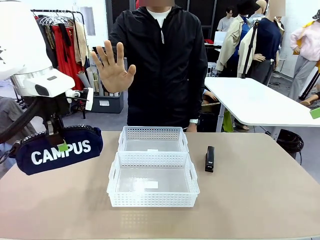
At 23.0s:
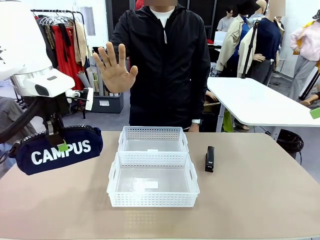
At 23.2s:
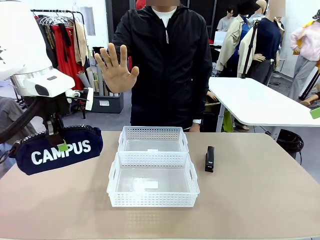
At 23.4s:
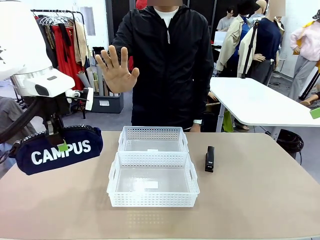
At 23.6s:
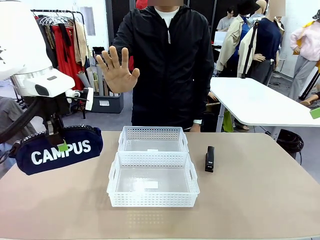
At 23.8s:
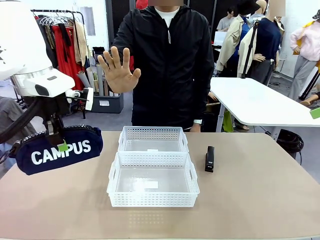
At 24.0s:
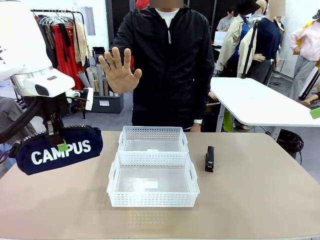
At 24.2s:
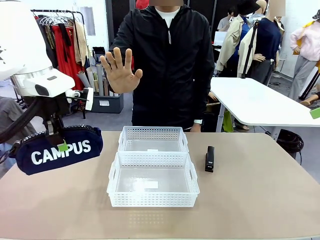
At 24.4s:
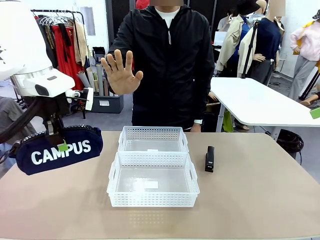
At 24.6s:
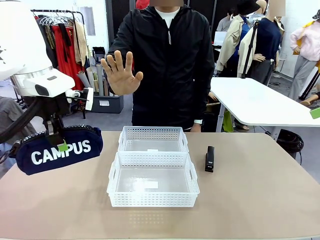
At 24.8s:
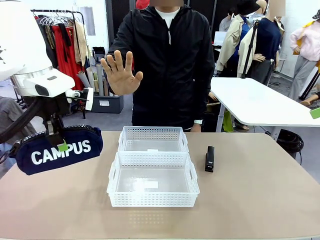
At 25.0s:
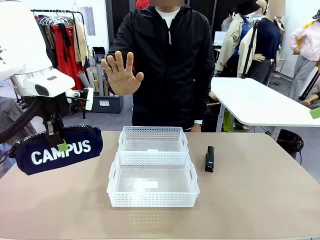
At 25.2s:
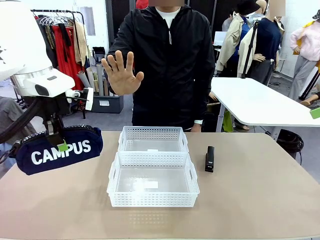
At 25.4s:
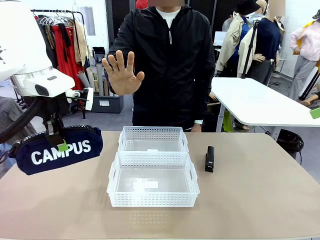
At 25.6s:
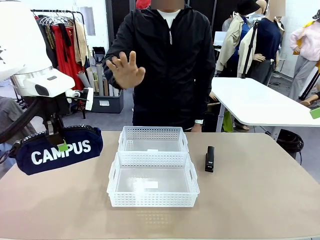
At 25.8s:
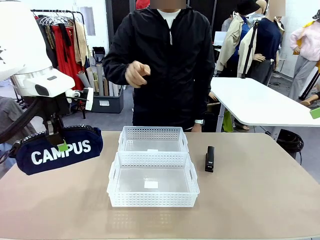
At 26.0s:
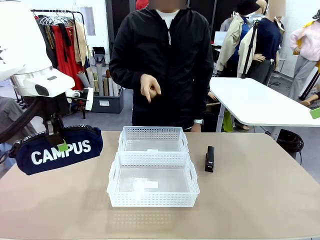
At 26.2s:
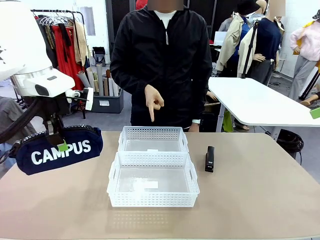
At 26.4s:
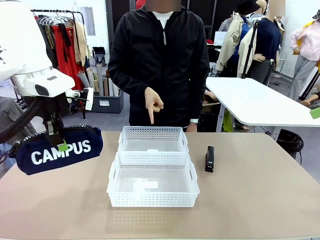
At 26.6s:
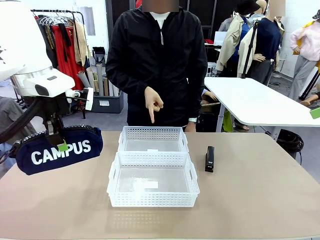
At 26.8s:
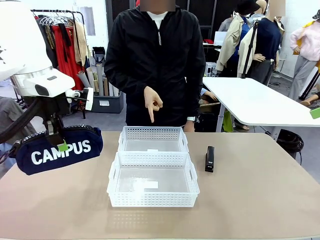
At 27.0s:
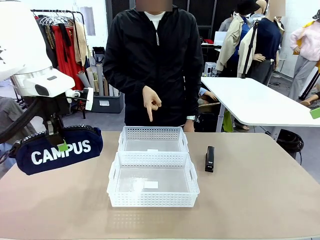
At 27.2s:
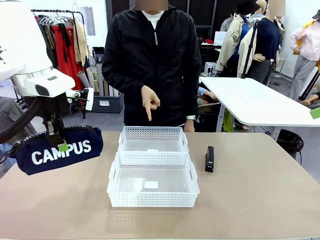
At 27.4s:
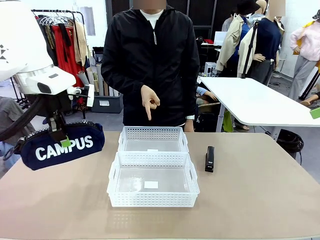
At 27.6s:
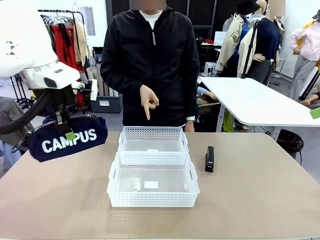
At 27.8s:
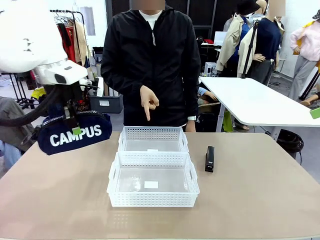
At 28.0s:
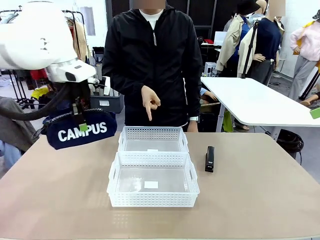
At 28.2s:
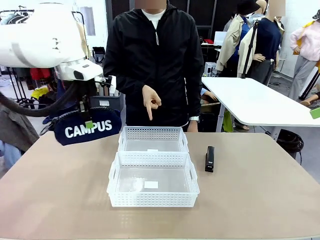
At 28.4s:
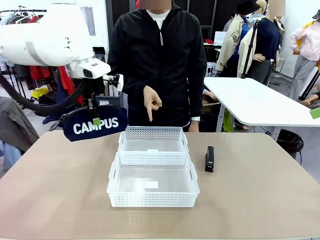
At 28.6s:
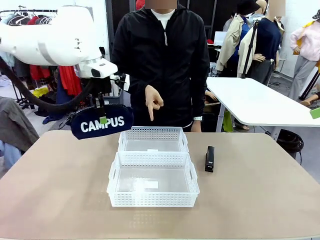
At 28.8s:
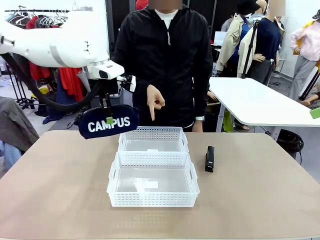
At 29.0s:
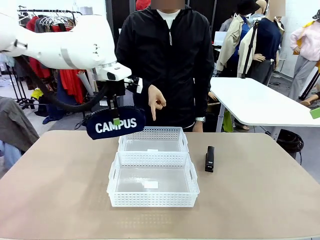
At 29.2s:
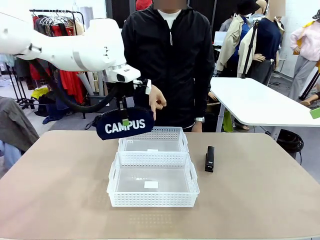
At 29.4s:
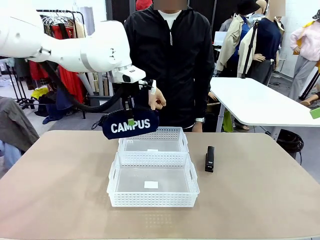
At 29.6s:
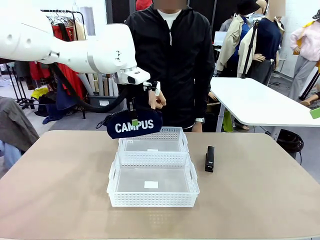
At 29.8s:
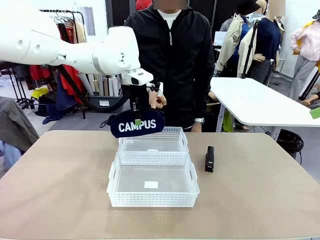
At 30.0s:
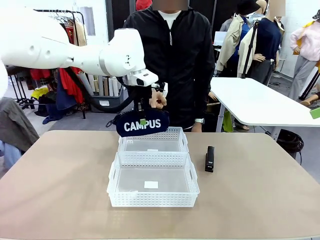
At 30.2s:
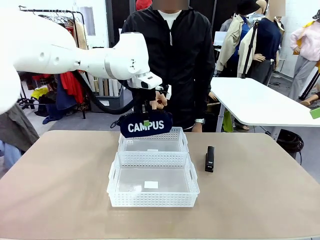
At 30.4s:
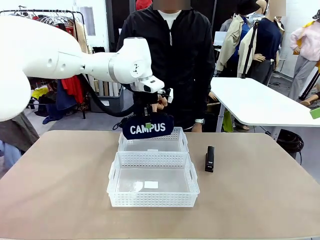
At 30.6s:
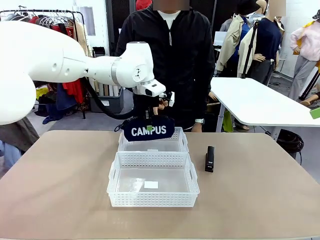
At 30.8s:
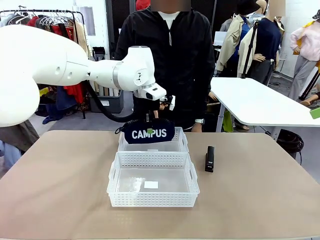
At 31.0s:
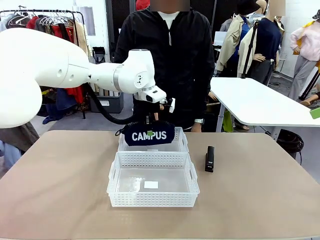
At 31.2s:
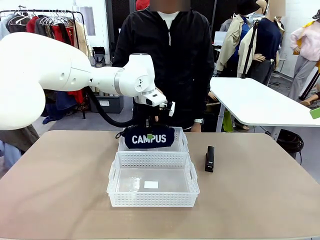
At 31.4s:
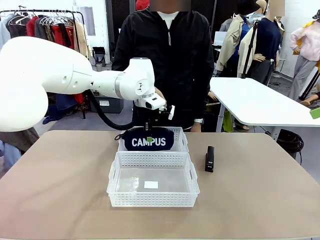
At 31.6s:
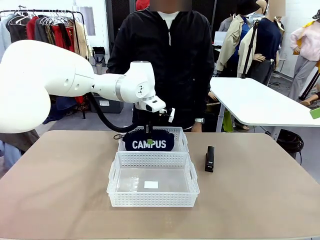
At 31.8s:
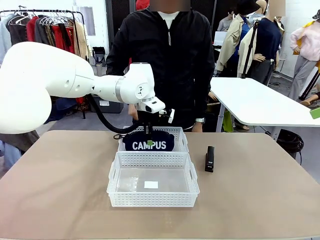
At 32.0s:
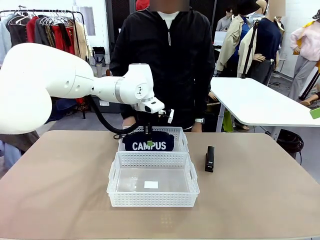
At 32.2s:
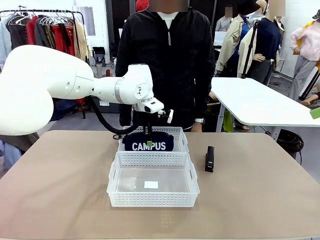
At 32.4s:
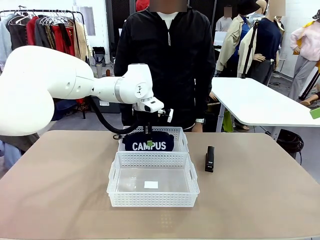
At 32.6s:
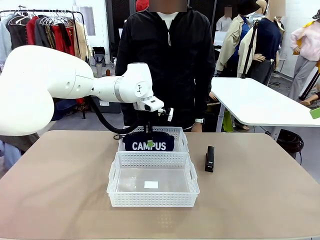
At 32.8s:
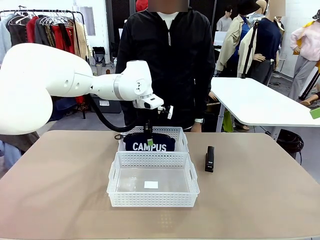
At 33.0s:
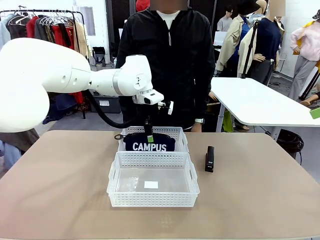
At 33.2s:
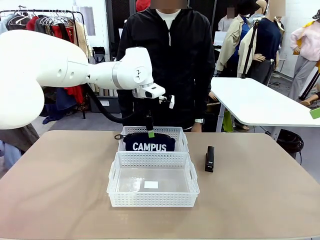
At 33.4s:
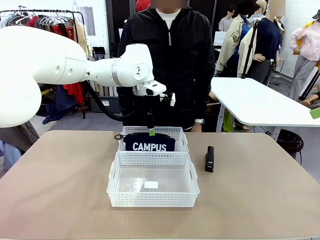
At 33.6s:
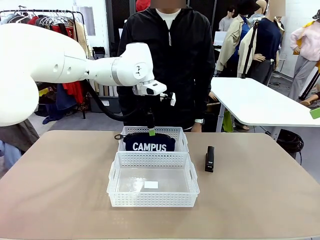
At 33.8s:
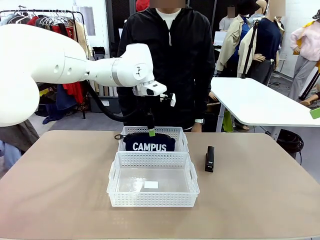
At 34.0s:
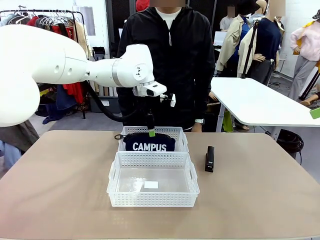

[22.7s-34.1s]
Task: Distribute items into two baskets.
Robot: Place the picked Pencil pouch into the Organizing basket as instructed by the person.
Person: Instructs the robot to place the pencil case into the opposite basket. Points to the stapler.

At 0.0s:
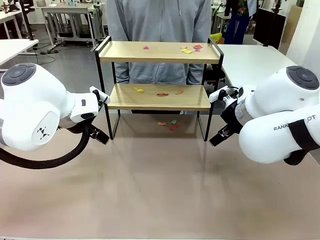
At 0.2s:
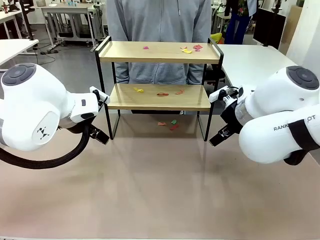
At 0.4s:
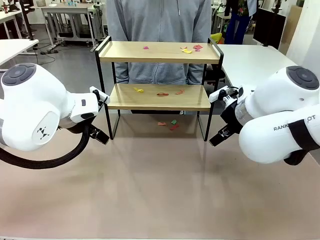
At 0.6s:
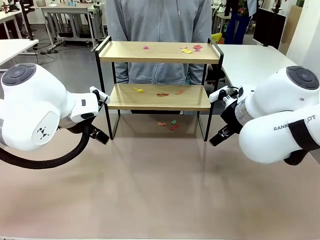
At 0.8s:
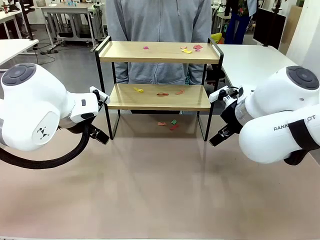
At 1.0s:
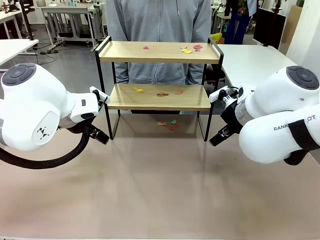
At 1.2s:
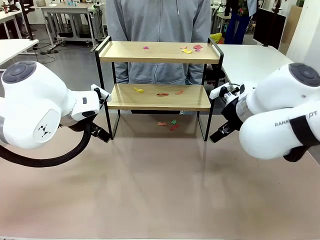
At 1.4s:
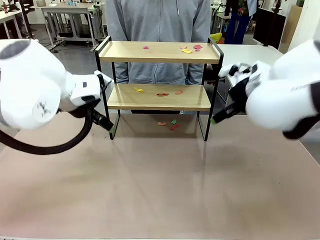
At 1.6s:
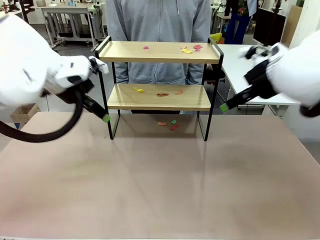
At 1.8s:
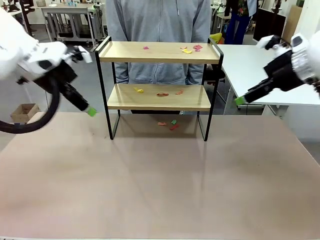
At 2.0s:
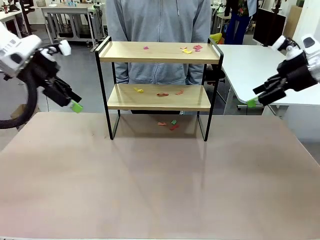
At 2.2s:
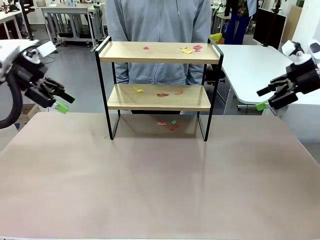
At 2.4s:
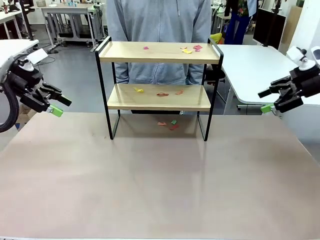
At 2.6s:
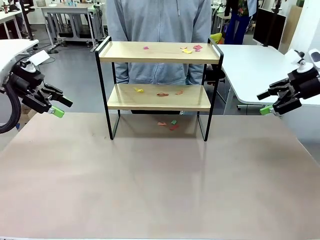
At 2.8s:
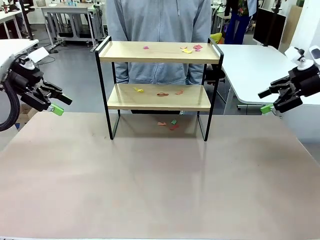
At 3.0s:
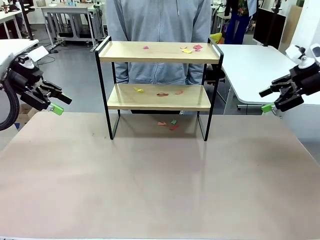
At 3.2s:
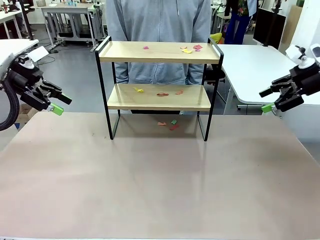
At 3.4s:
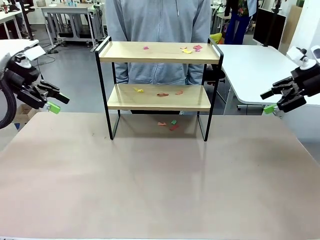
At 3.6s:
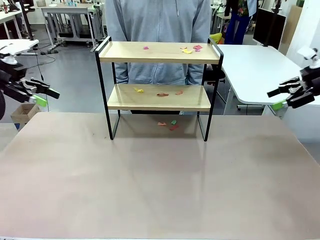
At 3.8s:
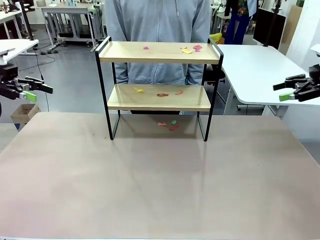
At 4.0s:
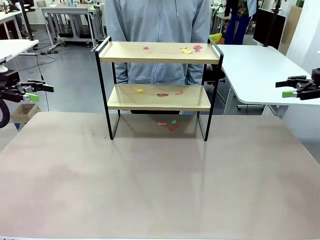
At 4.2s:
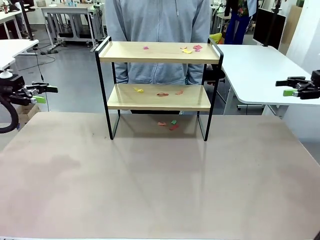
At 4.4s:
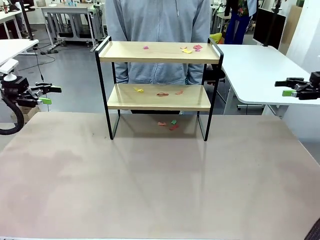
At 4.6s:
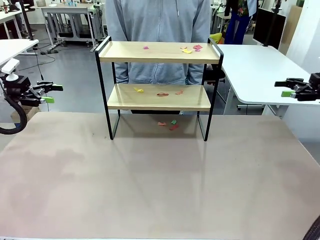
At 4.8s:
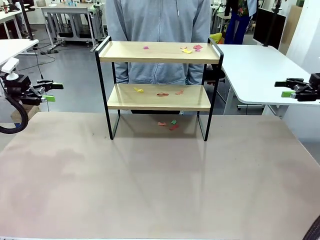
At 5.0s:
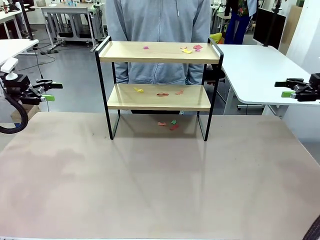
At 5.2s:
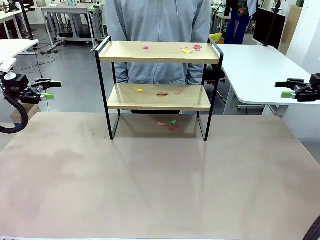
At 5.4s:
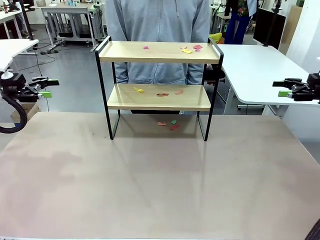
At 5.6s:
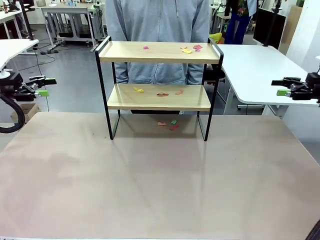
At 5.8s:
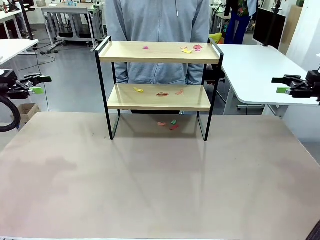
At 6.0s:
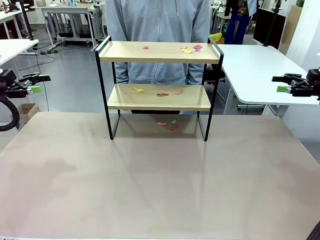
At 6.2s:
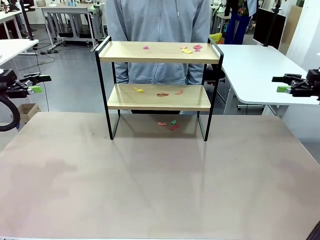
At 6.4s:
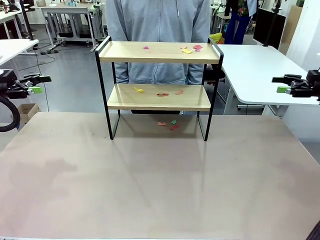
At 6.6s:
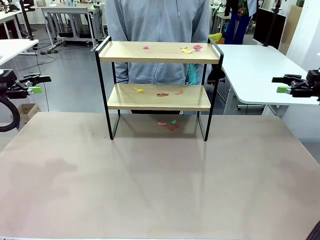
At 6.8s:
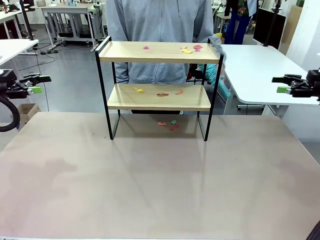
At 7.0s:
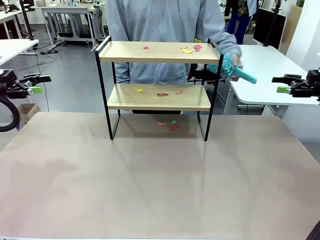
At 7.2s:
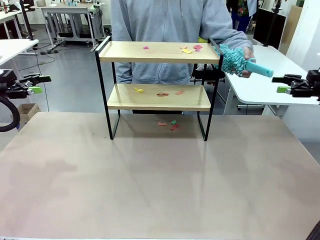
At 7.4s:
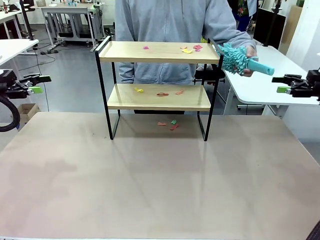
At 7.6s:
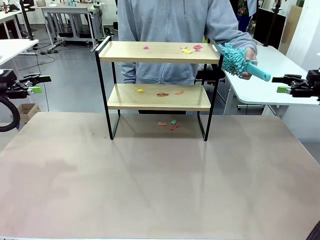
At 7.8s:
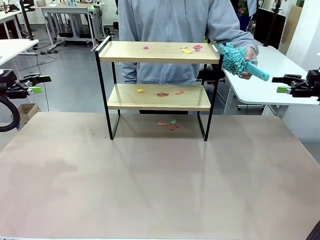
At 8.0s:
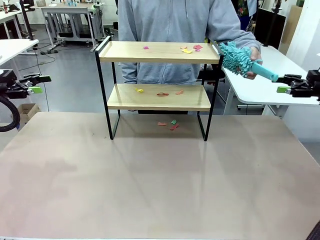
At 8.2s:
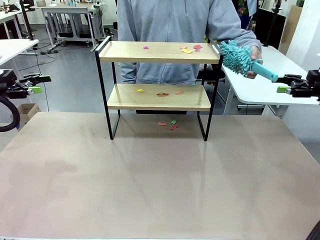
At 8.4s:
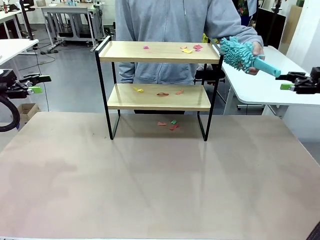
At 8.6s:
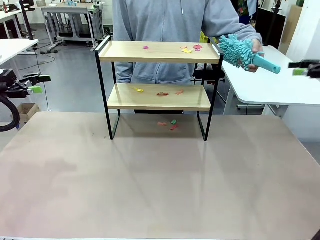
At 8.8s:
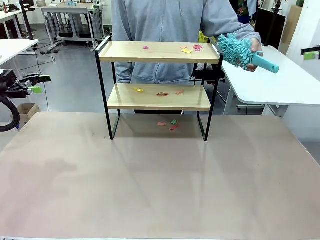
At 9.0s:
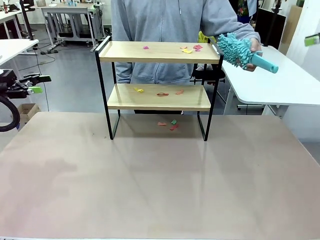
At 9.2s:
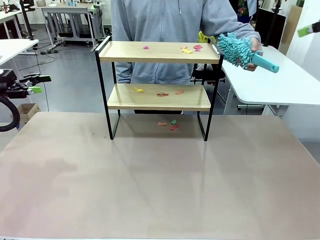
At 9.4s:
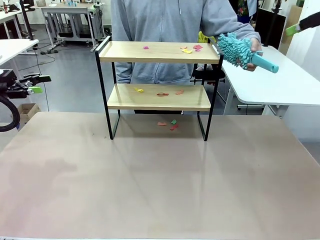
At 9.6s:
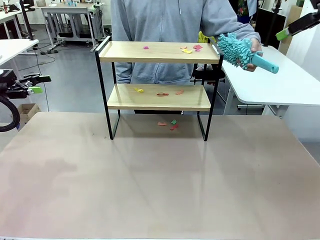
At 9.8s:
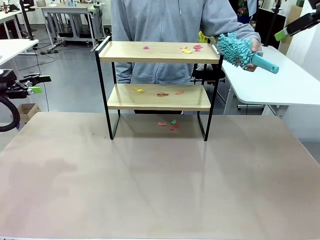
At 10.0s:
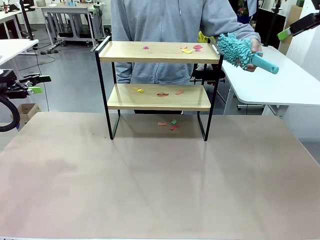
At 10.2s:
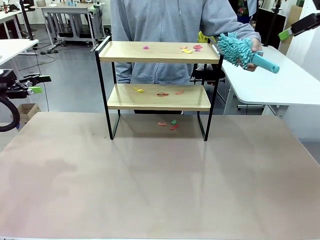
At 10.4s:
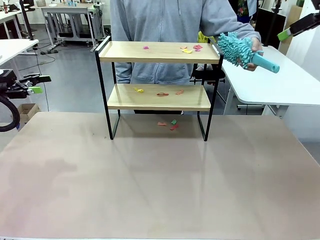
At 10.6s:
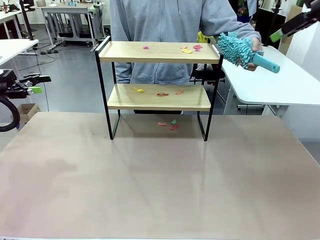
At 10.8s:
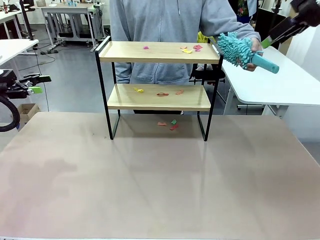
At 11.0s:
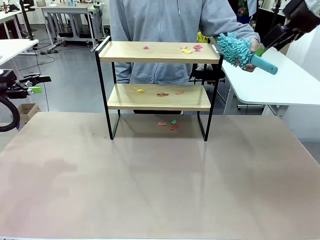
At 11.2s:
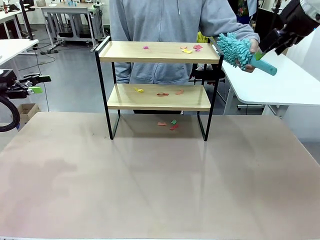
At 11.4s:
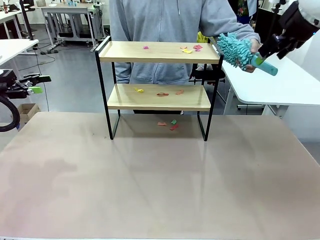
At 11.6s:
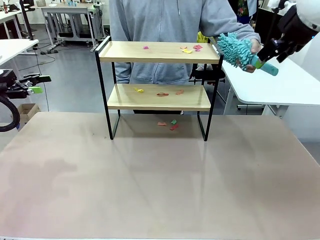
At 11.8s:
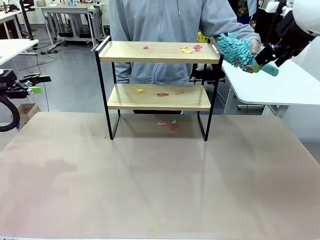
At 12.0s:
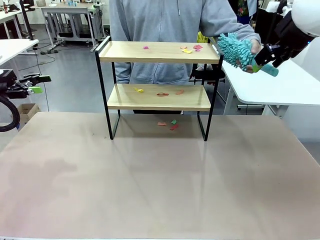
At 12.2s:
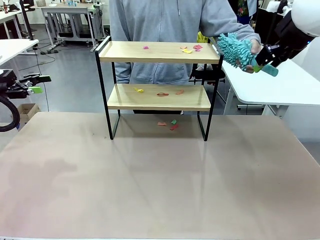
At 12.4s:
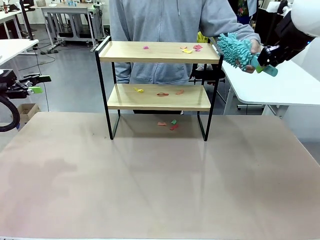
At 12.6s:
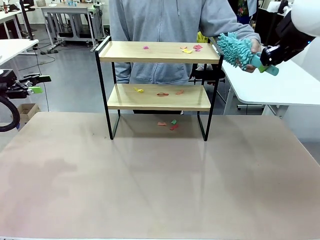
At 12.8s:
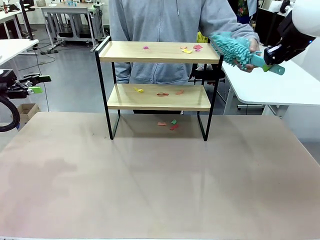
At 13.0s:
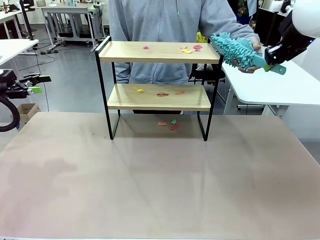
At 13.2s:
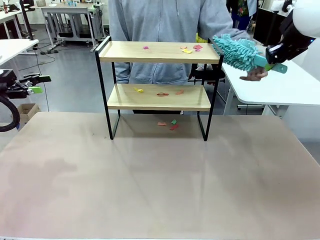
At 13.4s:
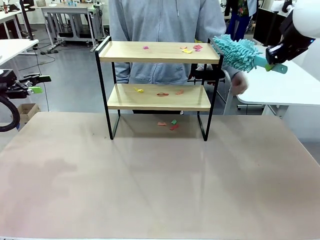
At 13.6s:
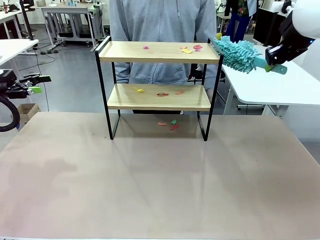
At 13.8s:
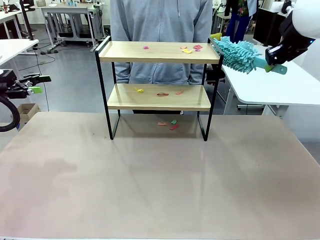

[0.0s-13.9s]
Task: Clean the shelf.
Robot: Pick up the Duster handed by the human.
Person: Hand the Duster to the robot.
